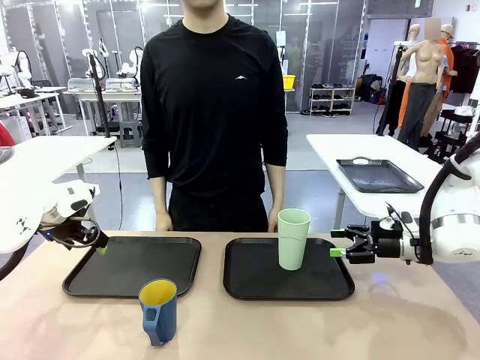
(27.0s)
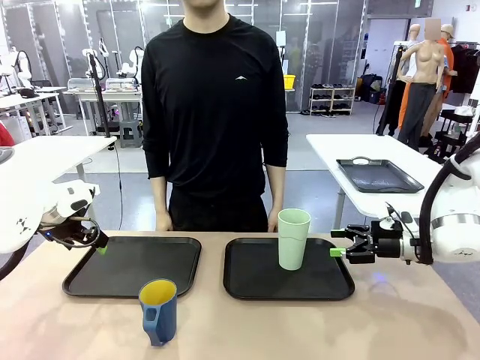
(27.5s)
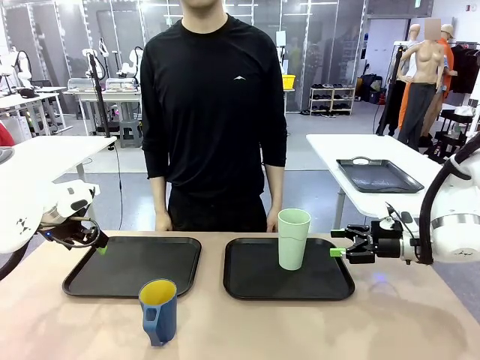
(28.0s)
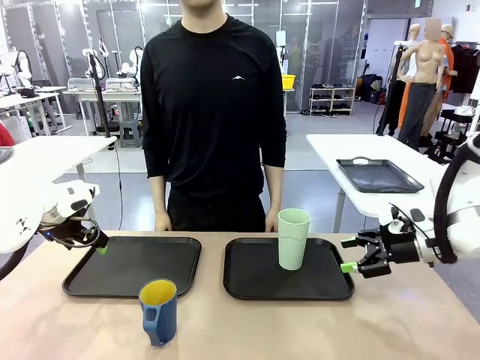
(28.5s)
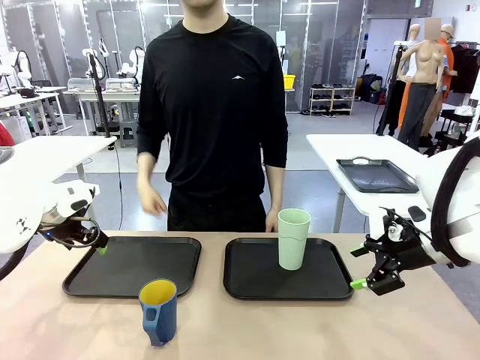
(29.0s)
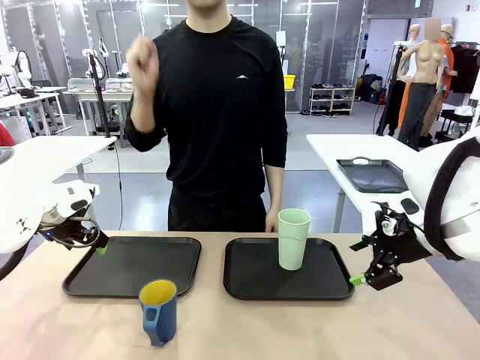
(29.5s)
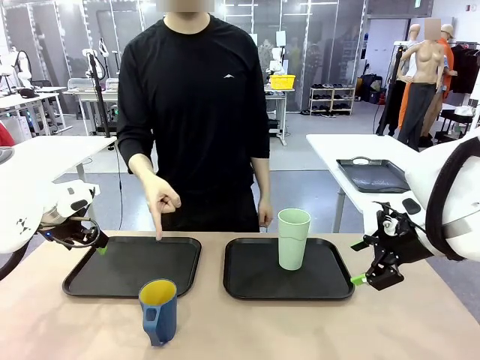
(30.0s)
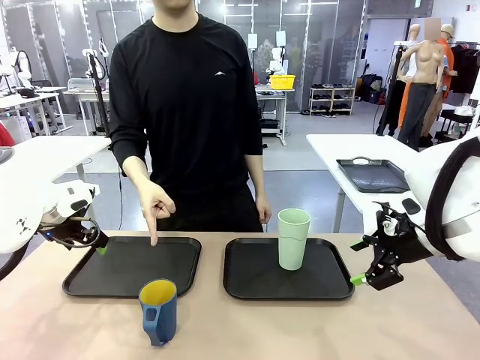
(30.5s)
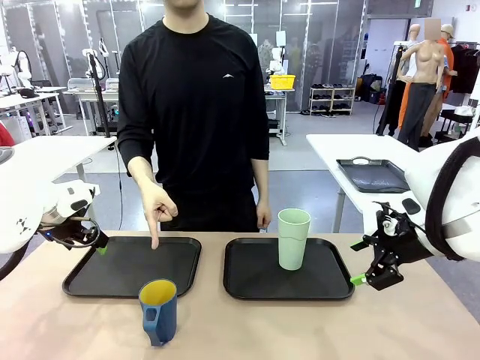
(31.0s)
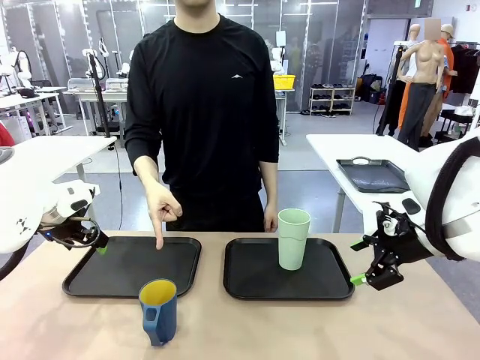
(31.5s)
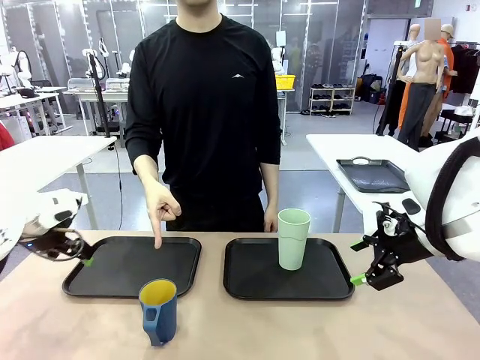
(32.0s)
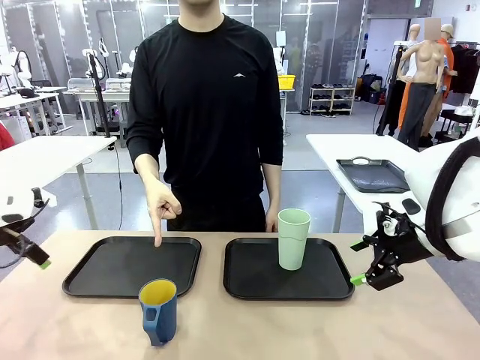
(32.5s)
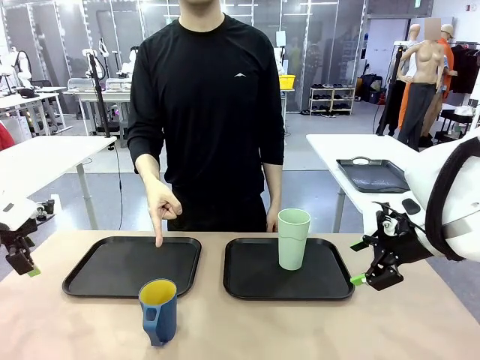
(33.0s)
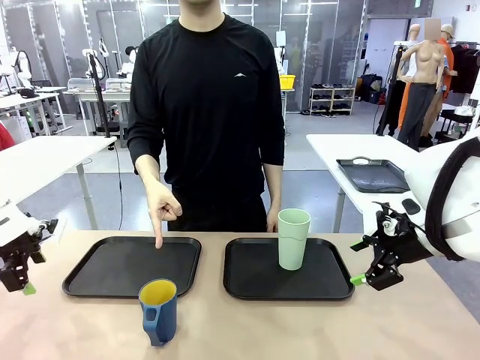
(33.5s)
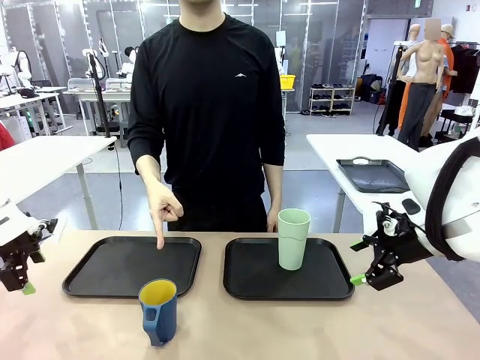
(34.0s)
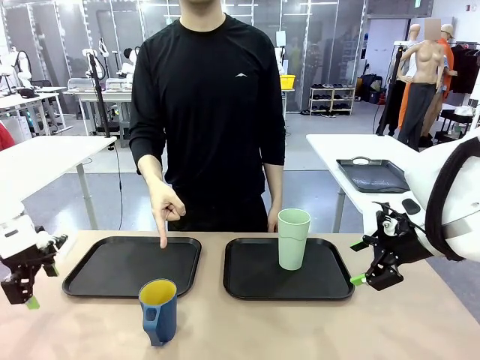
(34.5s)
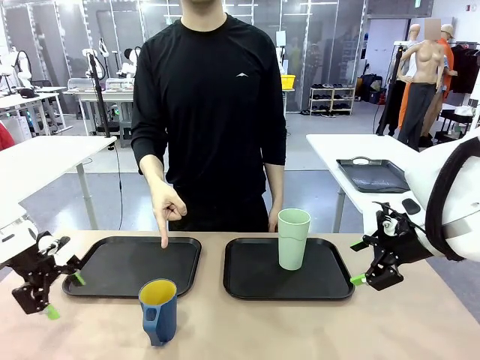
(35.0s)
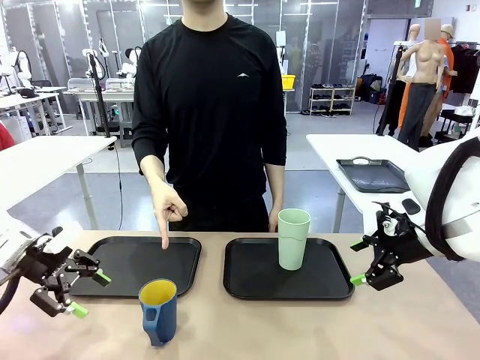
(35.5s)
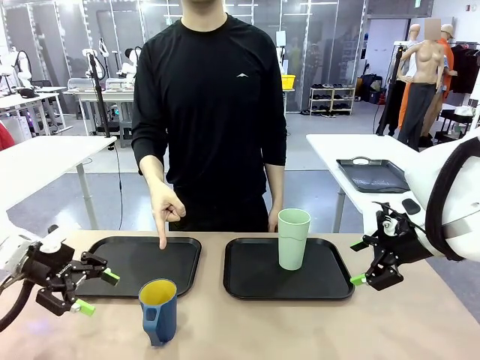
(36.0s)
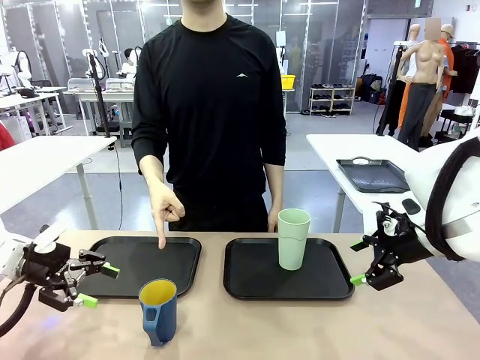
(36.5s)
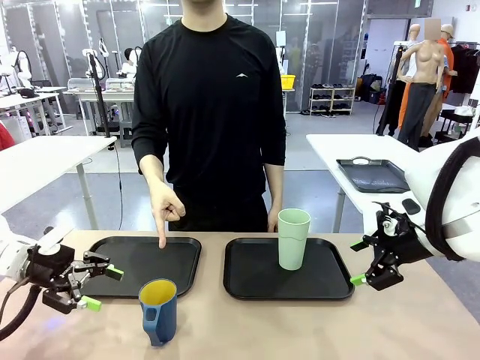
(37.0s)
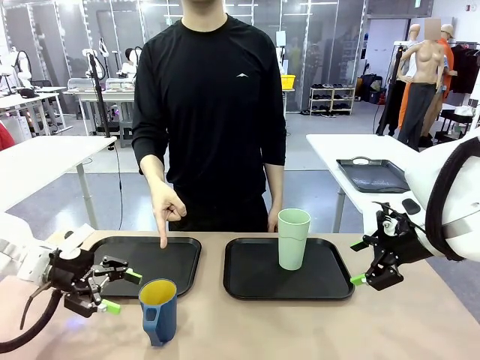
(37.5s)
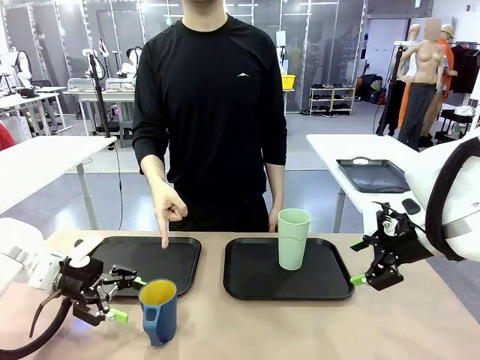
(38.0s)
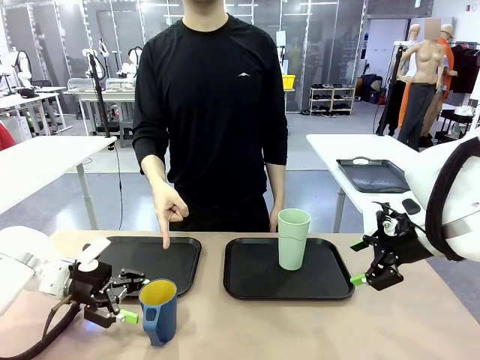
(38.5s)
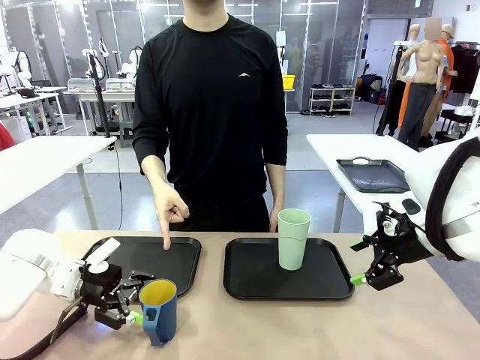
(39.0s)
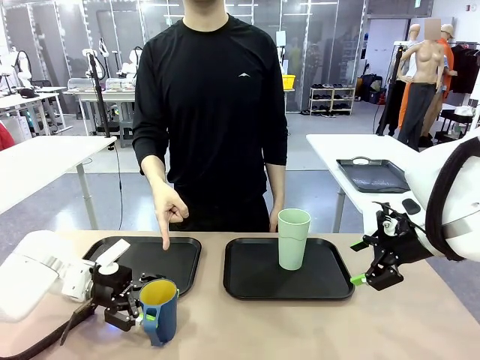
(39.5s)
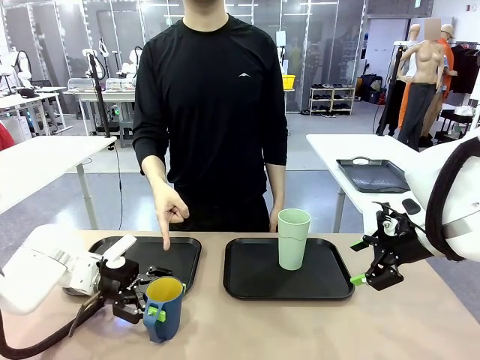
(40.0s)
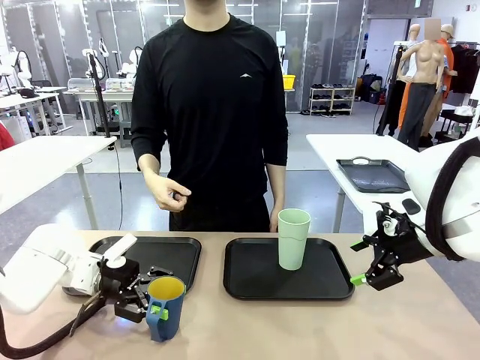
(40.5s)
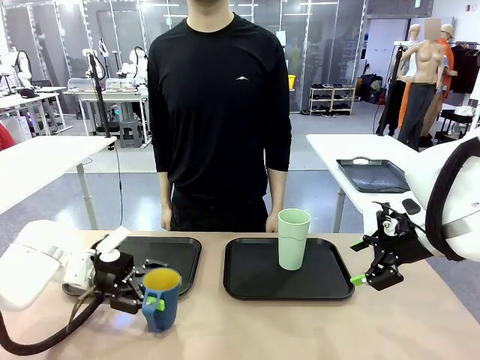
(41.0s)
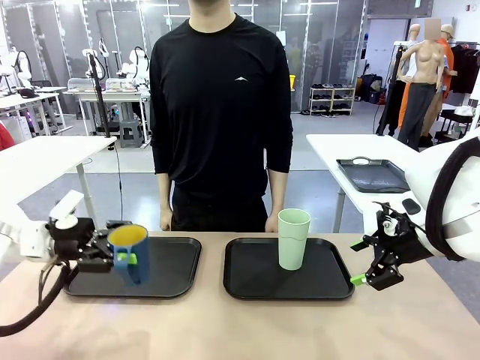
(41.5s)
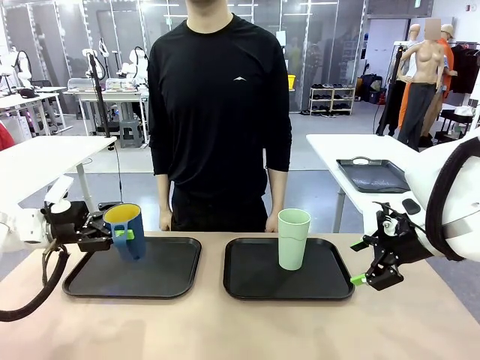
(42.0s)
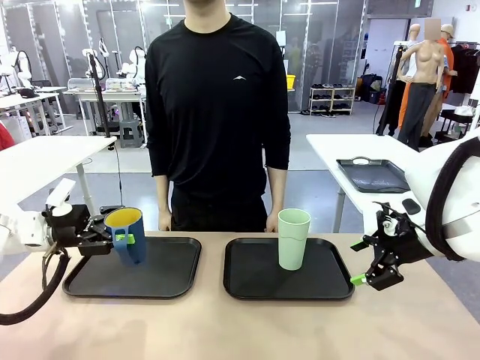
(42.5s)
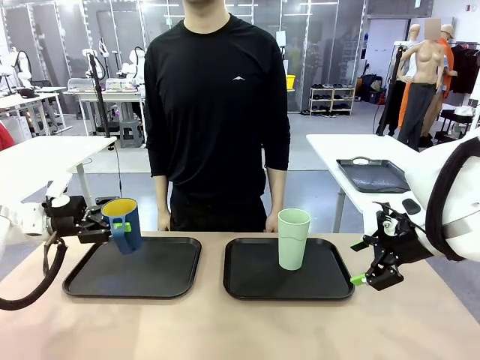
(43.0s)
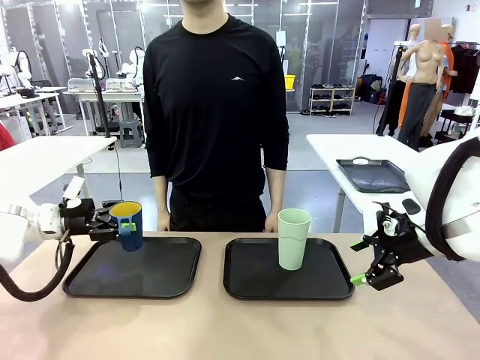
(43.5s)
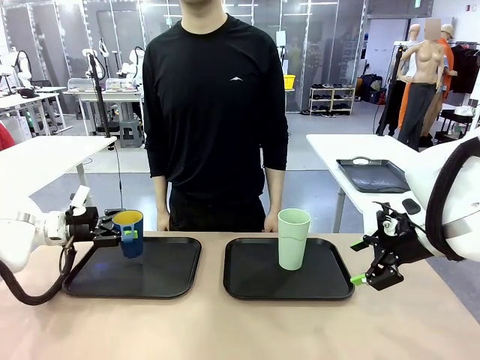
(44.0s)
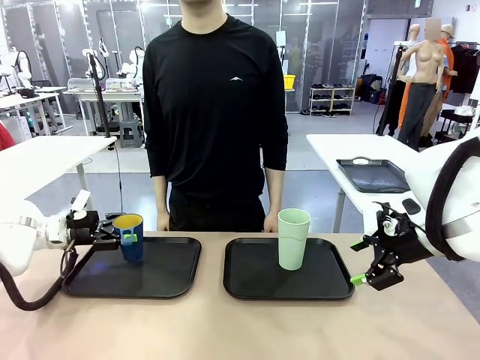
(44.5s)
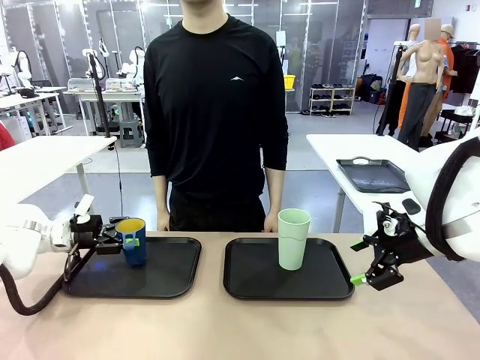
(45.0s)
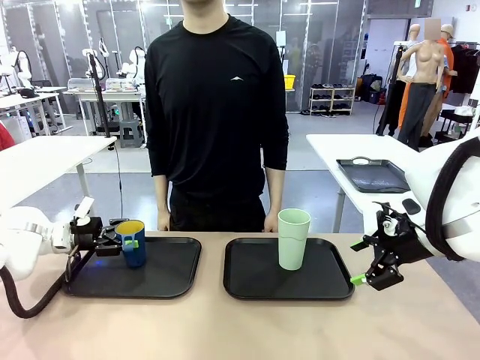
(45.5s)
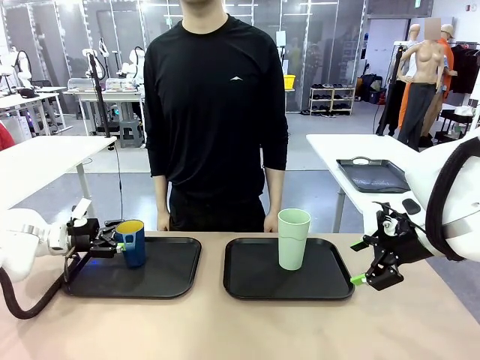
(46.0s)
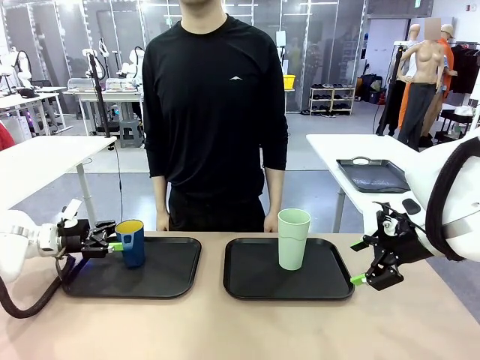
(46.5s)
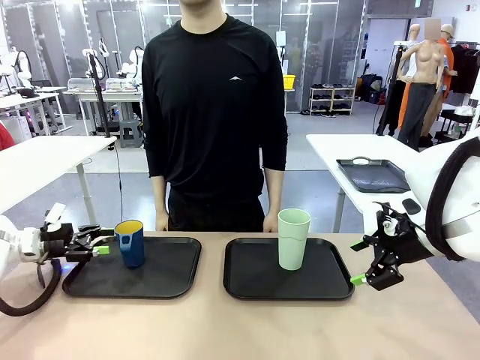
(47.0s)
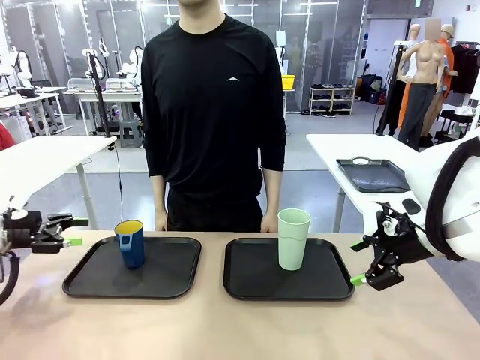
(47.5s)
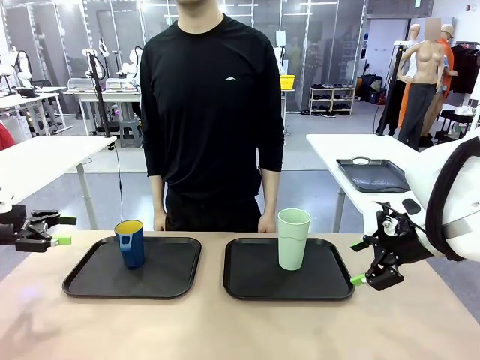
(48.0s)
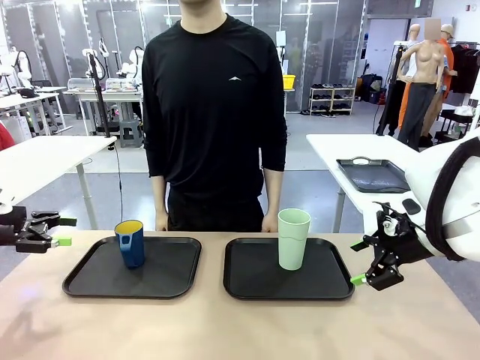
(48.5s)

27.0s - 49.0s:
Task: Sort and store the cups by type.
Robot: Pick up the Handle plastic cup and place it into the empty Flat Tray.
Person: Points to the cup with a handle.
